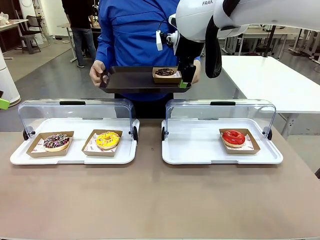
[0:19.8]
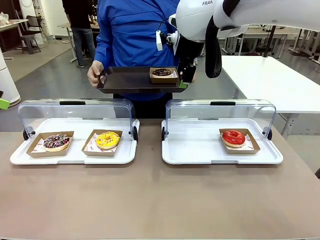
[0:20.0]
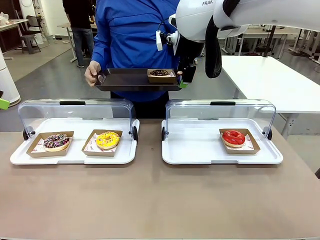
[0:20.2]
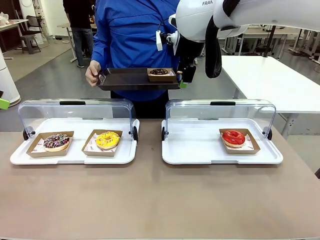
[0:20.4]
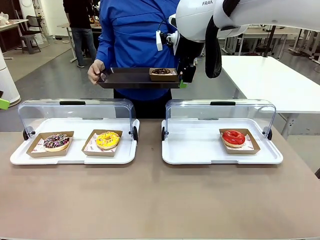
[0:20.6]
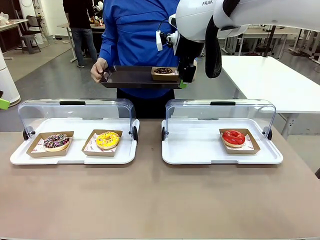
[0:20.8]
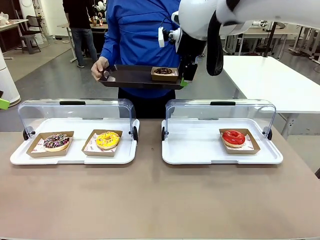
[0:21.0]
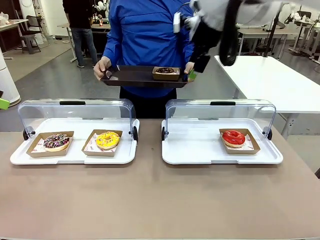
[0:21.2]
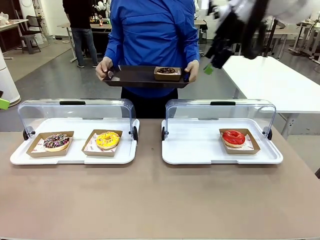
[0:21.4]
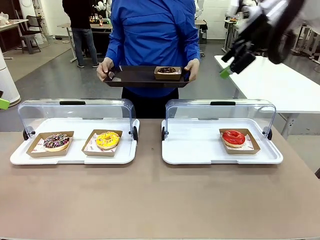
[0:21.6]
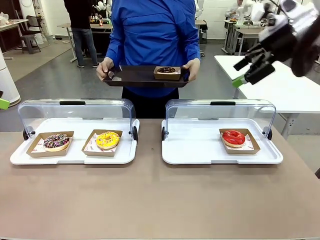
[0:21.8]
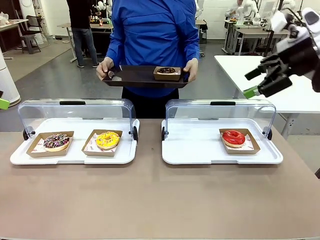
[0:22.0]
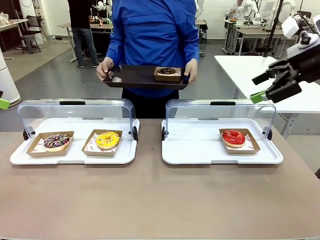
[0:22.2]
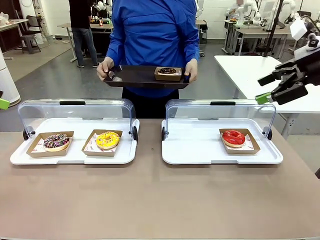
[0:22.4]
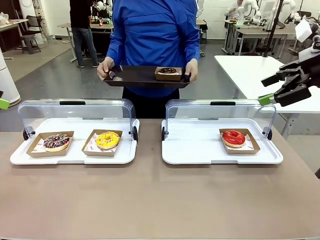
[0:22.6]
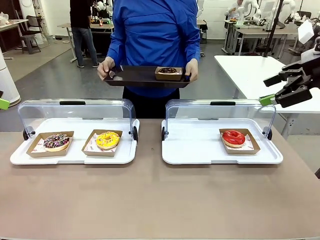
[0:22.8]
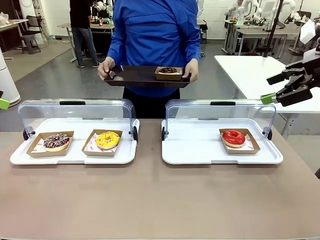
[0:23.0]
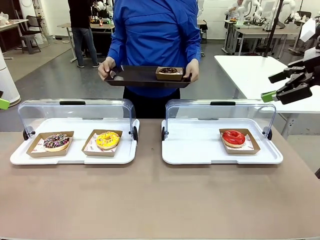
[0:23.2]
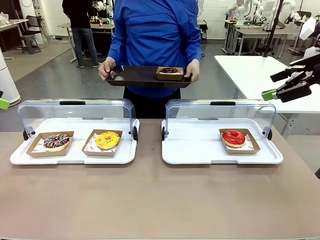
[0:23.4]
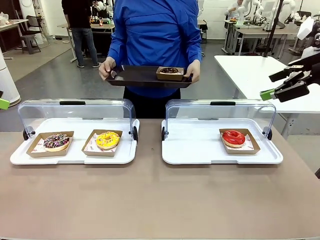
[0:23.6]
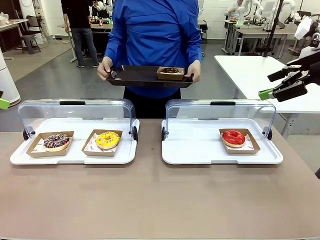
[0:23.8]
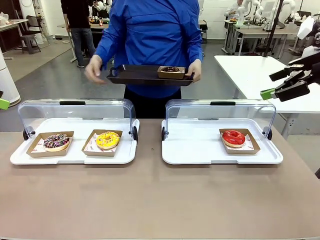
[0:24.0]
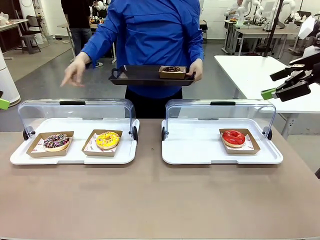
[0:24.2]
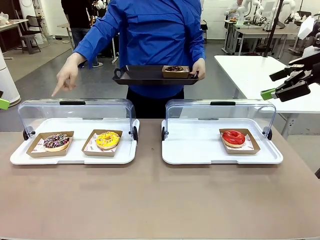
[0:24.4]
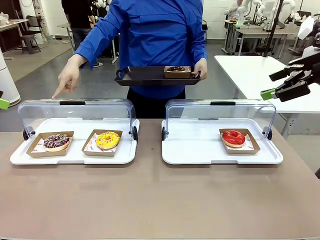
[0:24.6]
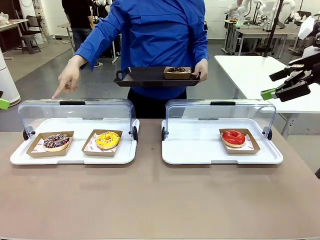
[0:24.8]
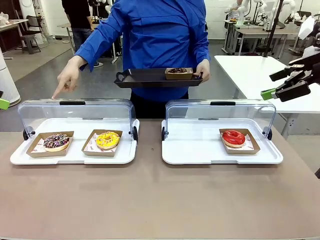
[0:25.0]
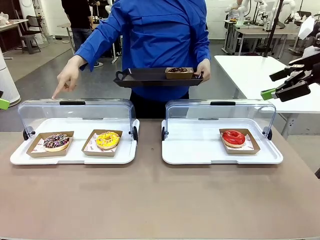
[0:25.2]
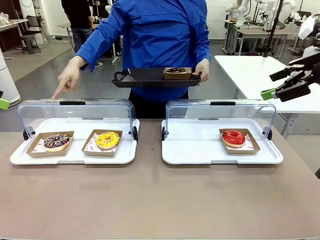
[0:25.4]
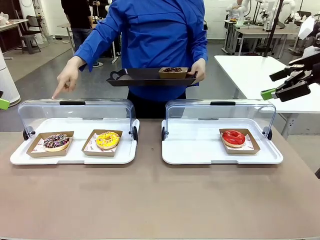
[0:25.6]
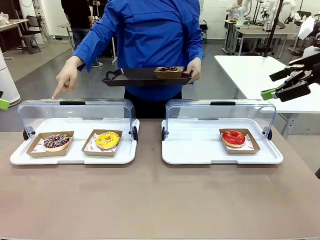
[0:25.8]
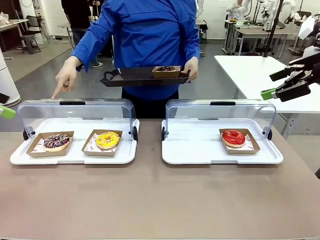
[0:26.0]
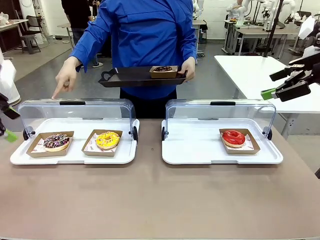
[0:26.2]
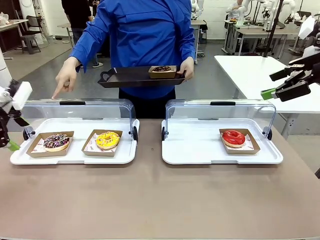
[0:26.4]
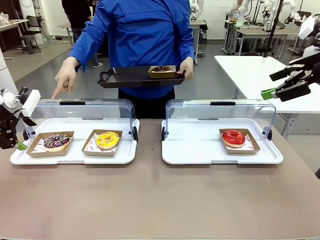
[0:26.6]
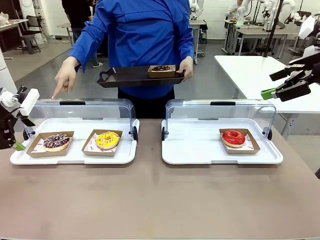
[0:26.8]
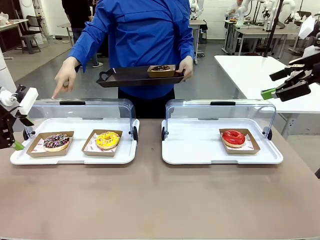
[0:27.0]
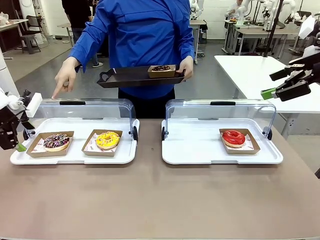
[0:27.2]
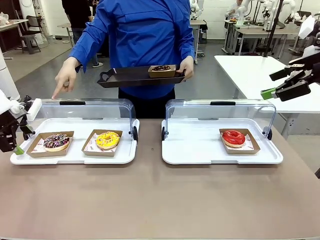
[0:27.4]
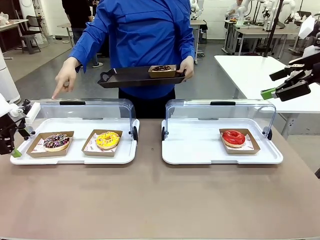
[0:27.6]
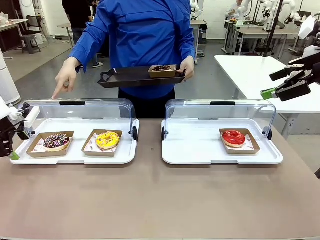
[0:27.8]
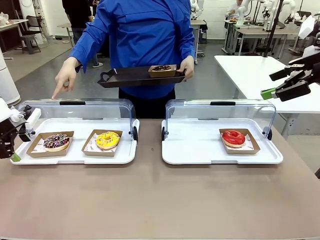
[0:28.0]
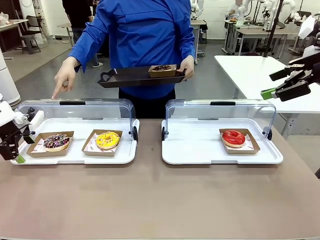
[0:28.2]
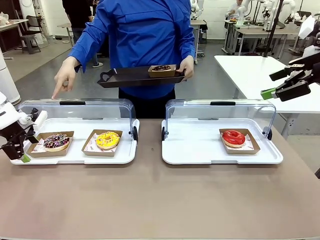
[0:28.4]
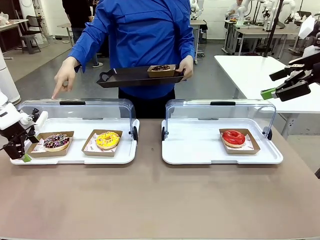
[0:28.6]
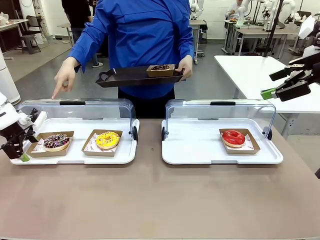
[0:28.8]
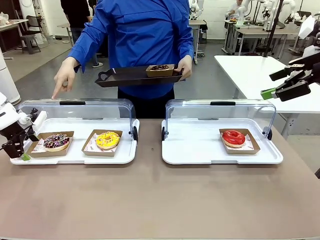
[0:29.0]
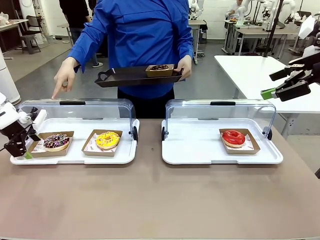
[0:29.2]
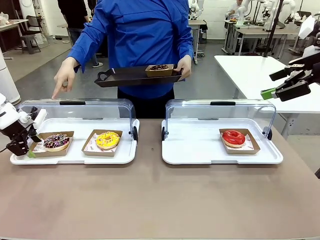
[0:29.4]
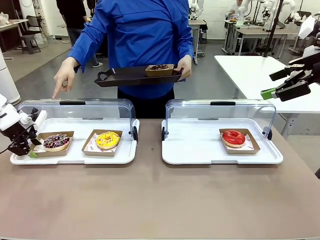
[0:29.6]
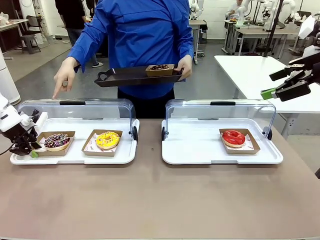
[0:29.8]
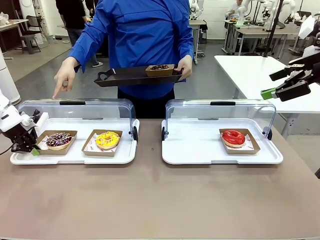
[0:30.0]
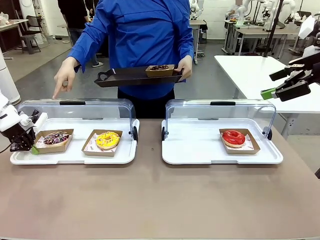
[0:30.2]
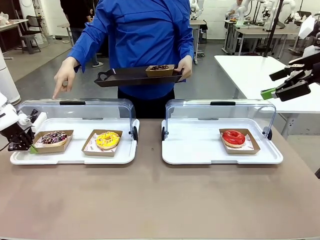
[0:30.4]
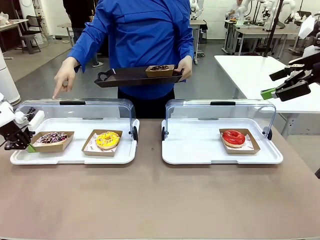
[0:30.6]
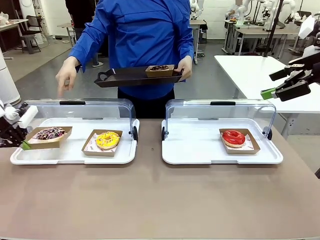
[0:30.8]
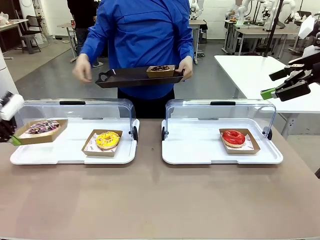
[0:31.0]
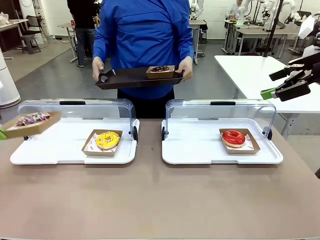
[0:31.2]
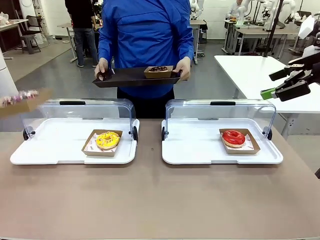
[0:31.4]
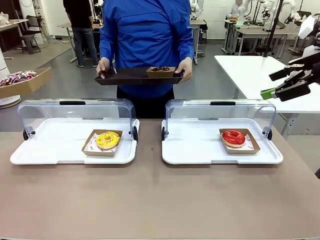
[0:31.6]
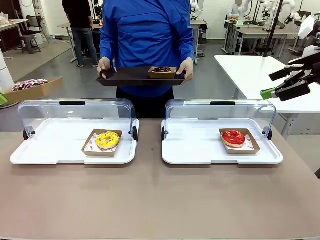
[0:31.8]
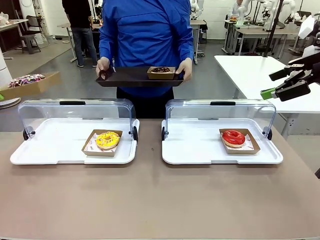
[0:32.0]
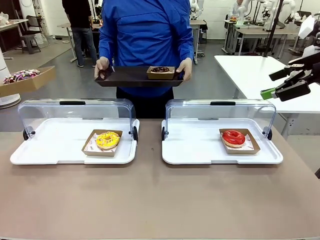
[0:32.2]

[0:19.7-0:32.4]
Task: Provide the desired donut to the person.
Robot: Pick up and lift the Paper togo box containing the Donut pointed at by the person.
Person: Point to one donut. Lift the tray onto the Roll-Top Bakery Case.

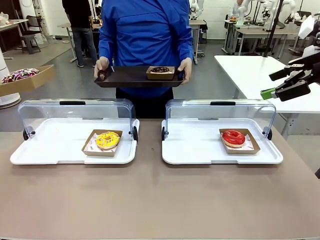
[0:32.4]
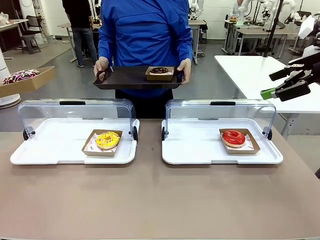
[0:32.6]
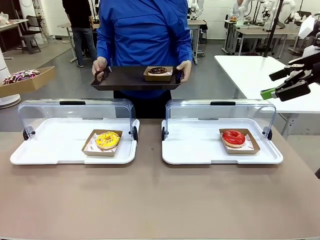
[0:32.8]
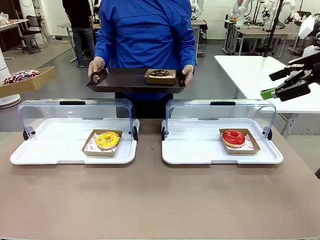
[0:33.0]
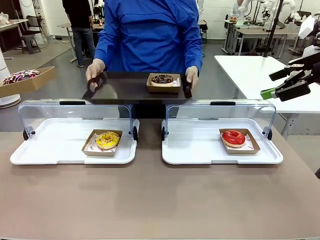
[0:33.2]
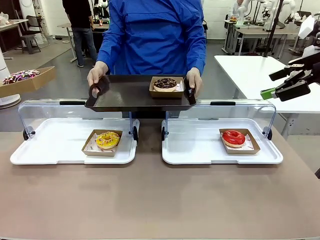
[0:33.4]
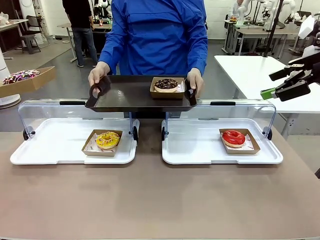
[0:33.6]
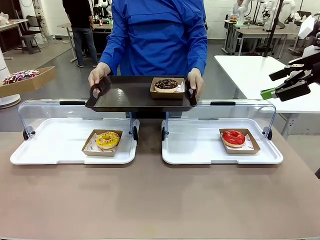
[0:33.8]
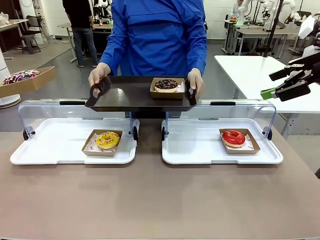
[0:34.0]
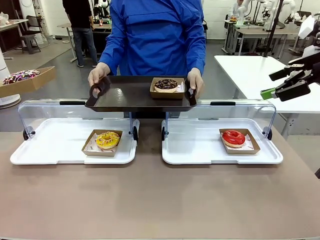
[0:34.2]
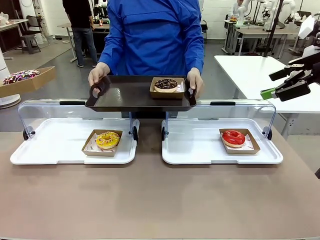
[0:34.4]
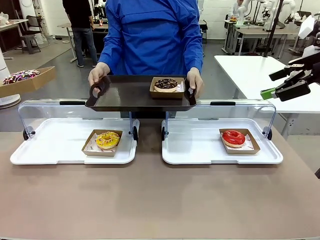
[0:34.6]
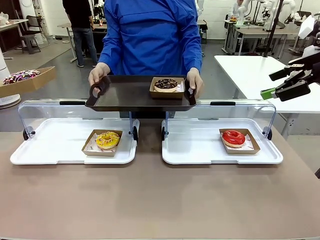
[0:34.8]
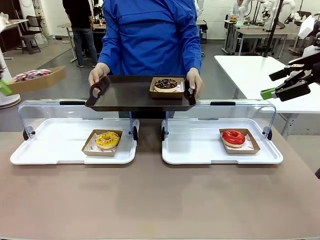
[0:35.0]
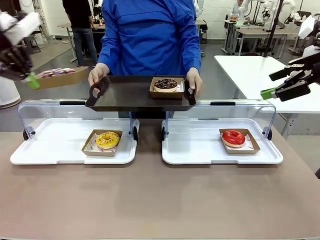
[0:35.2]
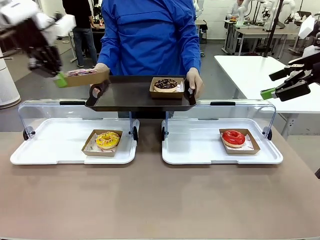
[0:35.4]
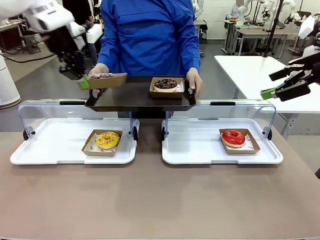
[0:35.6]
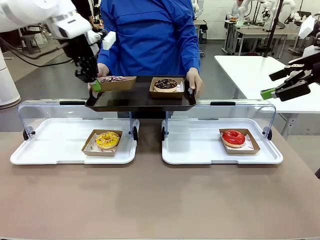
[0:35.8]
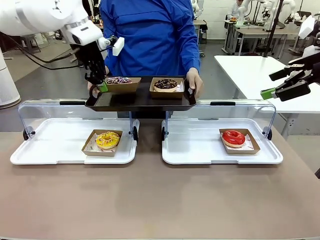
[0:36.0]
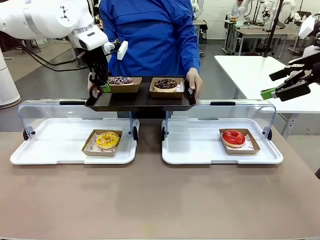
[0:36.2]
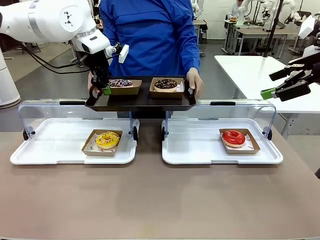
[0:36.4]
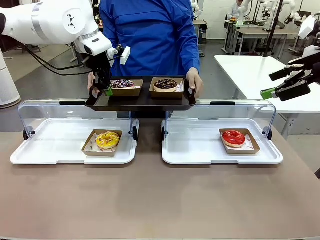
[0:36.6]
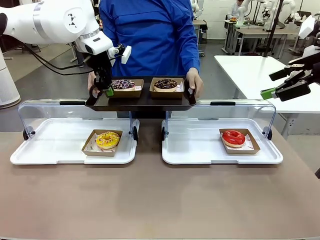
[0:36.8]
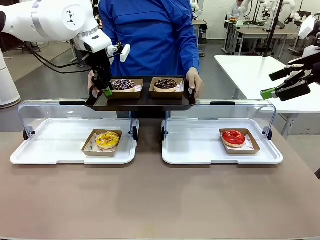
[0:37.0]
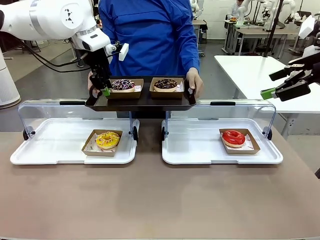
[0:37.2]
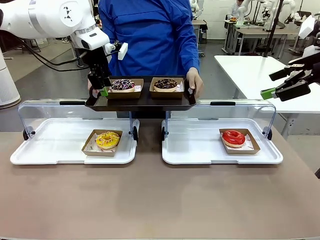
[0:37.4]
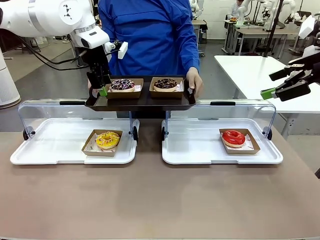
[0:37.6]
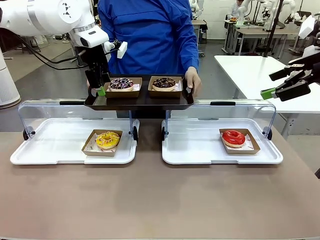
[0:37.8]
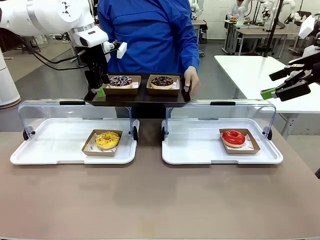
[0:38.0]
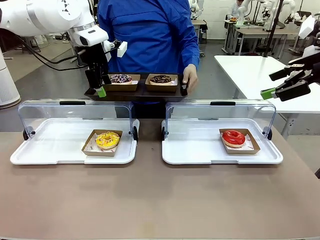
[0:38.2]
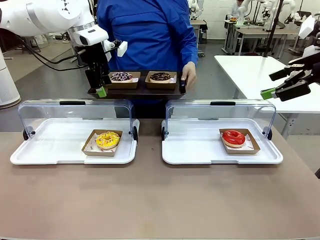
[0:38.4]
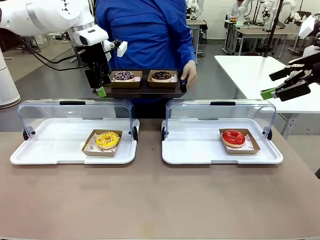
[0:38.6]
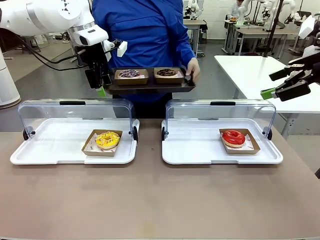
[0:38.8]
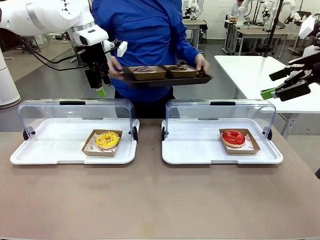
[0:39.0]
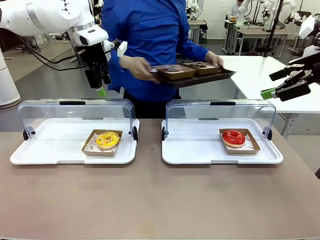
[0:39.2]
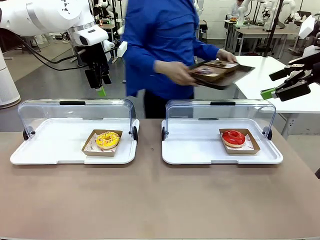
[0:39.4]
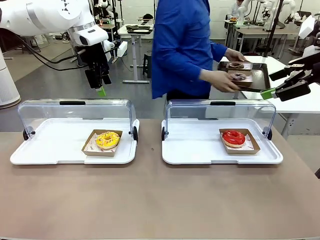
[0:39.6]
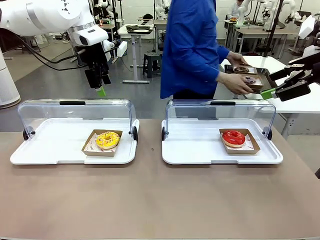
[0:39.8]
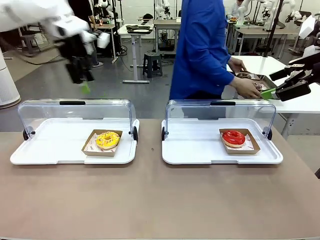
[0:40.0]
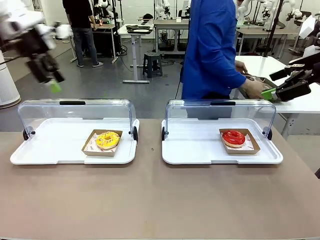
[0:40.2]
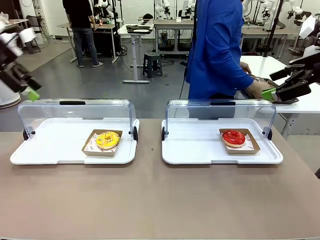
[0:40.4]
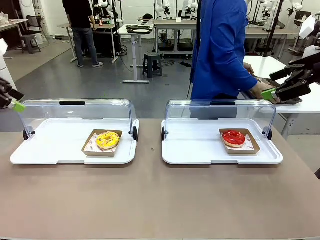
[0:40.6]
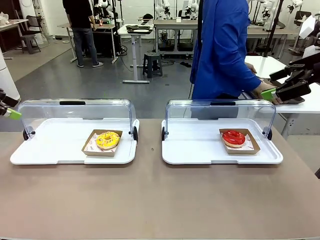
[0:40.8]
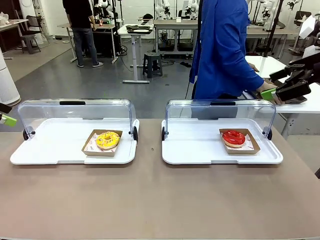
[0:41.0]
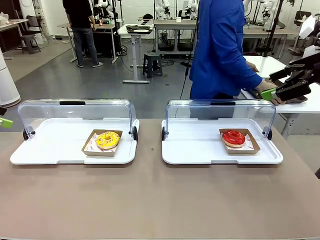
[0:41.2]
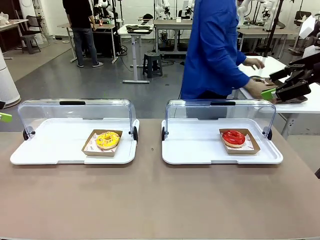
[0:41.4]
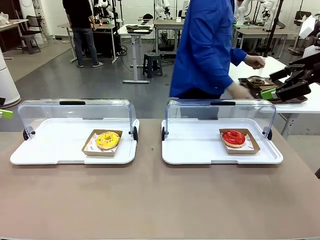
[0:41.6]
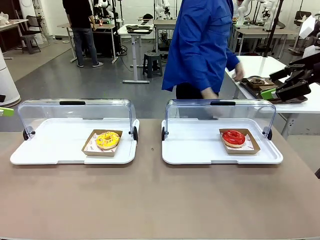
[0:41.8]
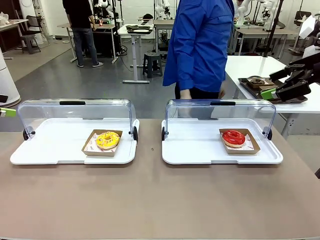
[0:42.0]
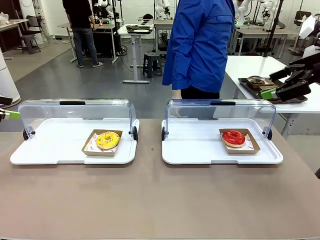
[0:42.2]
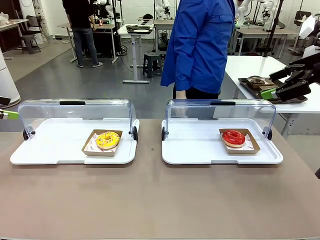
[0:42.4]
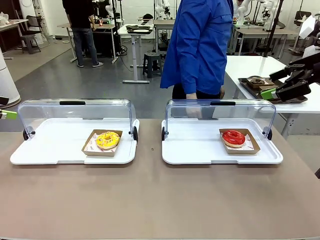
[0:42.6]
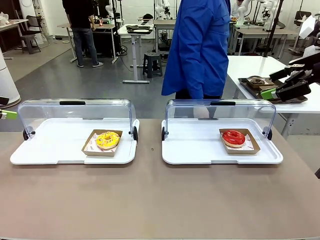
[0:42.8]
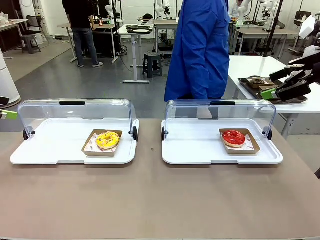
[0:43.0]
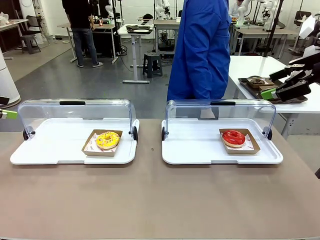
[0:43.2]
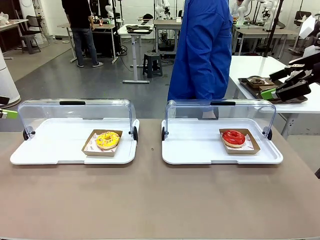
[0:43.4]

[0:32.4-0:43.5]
Robot: Place the picked Paper togo box onto the Handle tray extended by the person.
Person: Place the tray in the middle of the human table.
